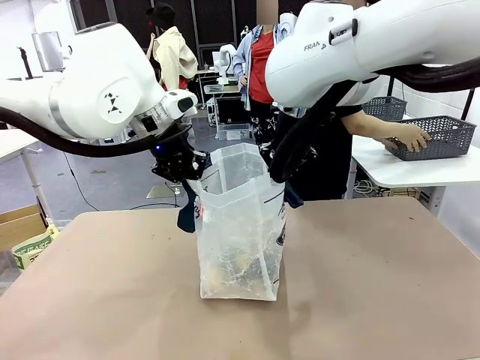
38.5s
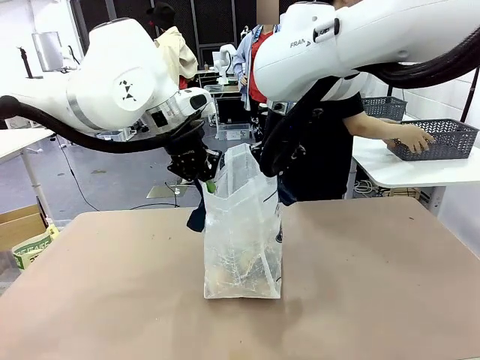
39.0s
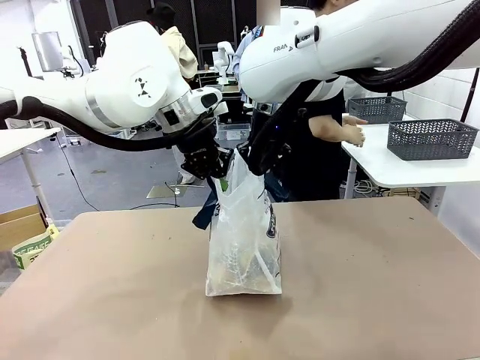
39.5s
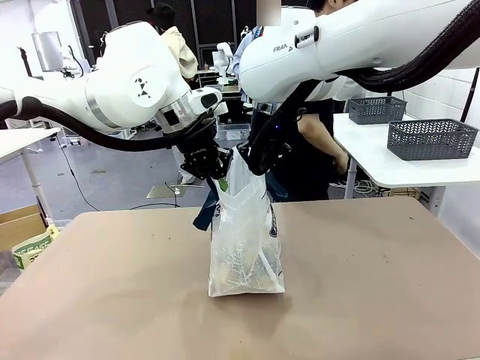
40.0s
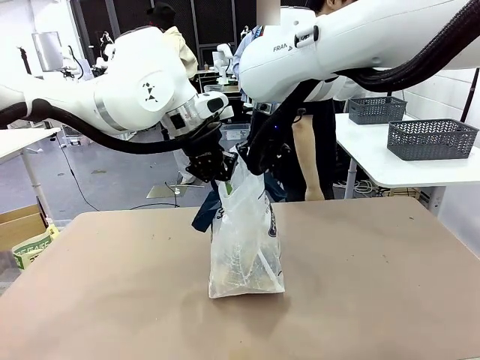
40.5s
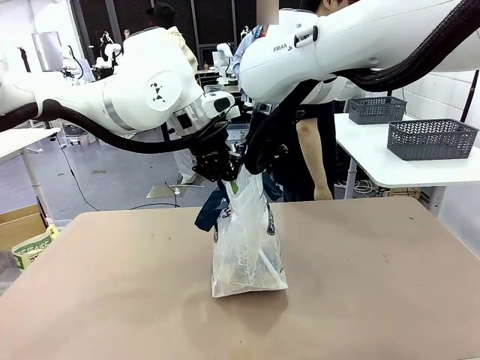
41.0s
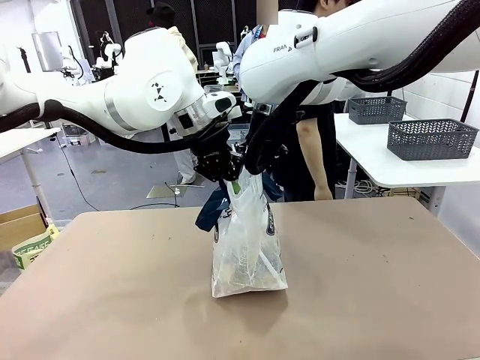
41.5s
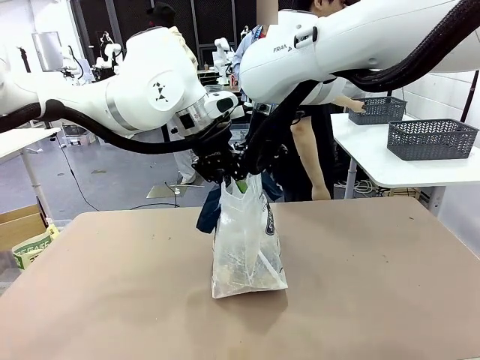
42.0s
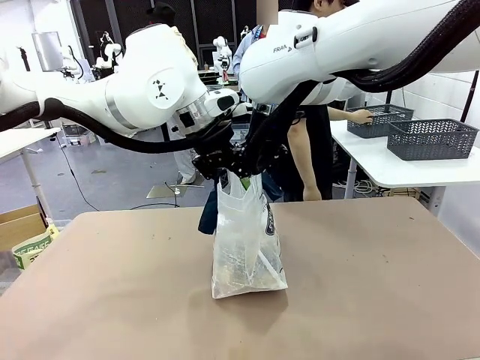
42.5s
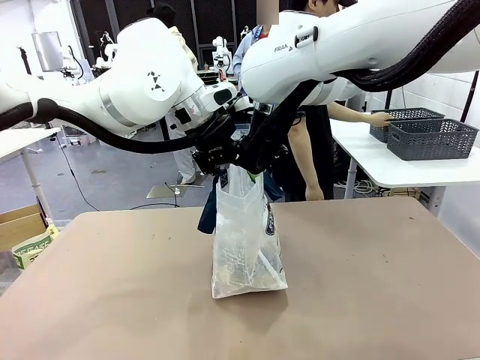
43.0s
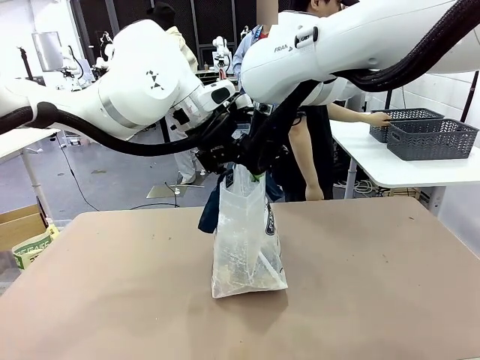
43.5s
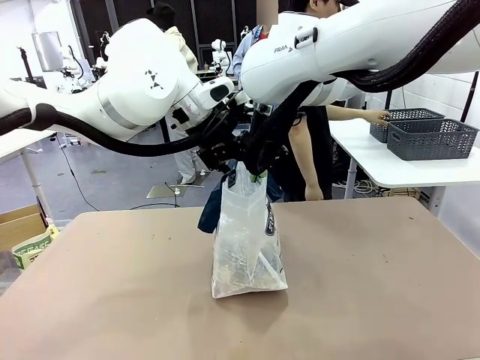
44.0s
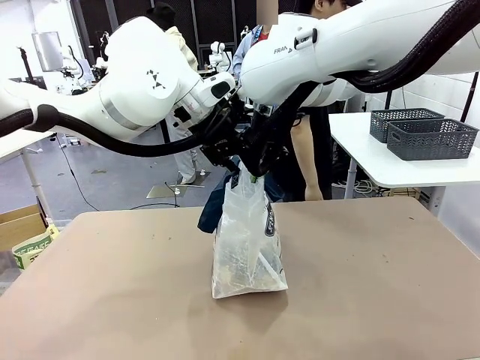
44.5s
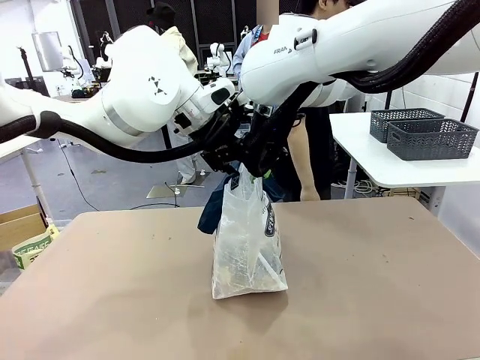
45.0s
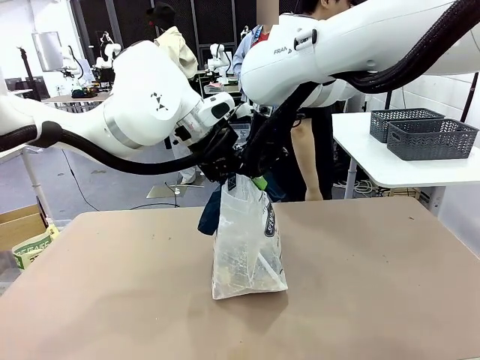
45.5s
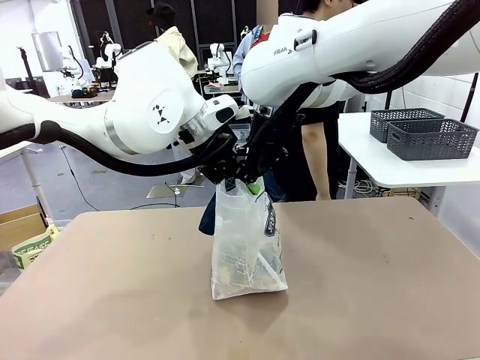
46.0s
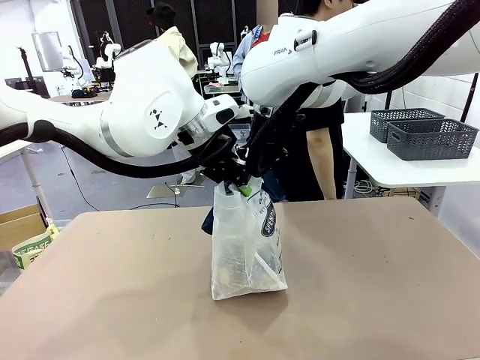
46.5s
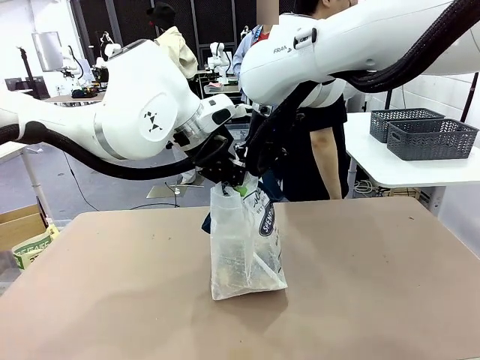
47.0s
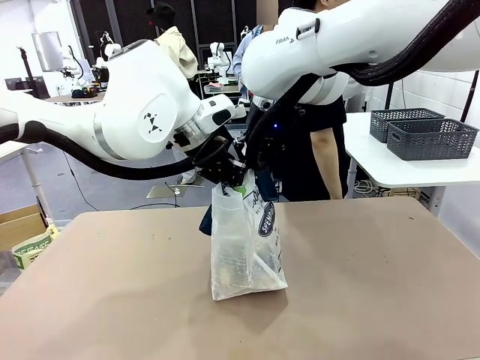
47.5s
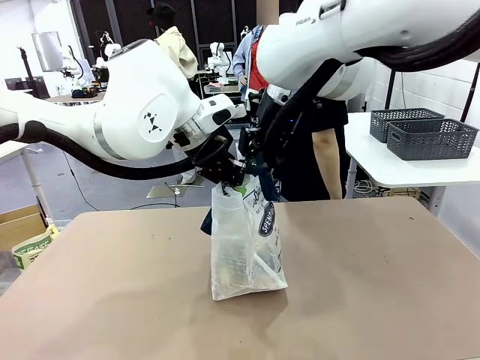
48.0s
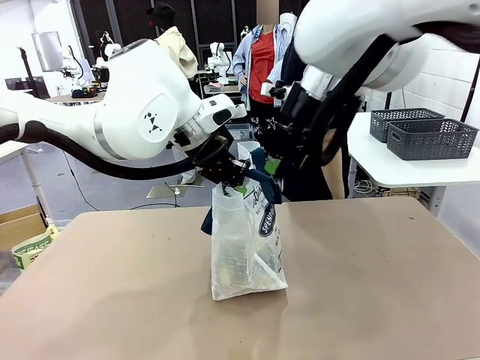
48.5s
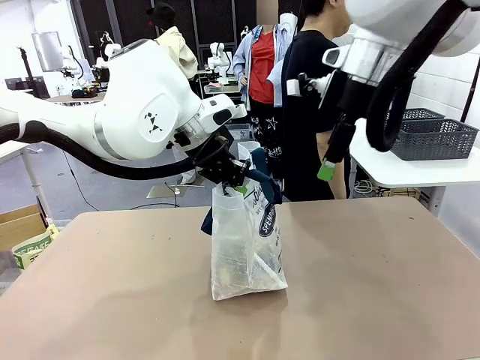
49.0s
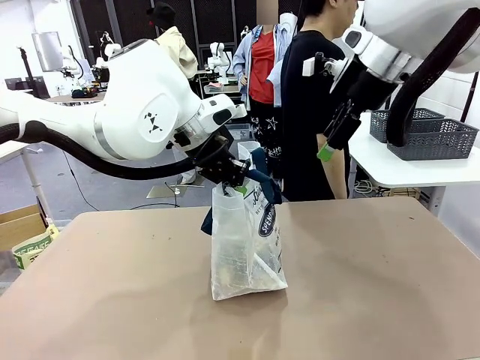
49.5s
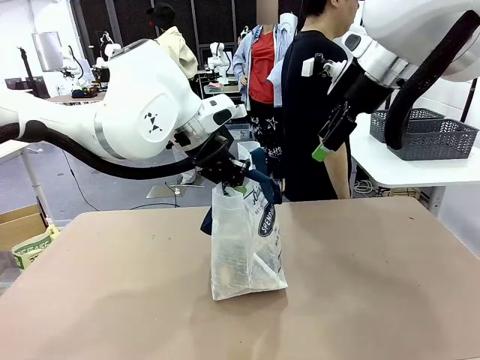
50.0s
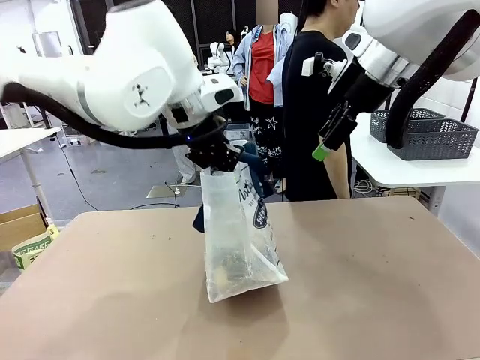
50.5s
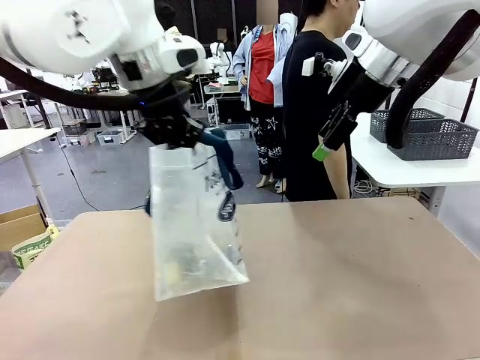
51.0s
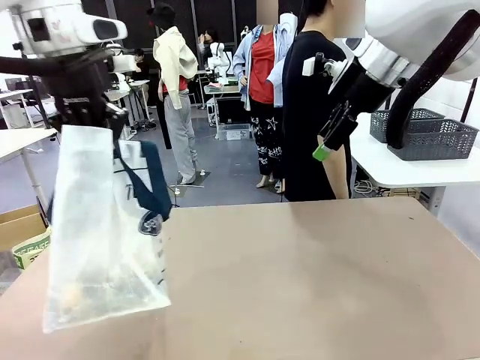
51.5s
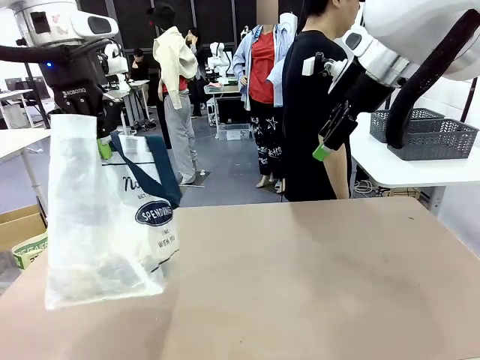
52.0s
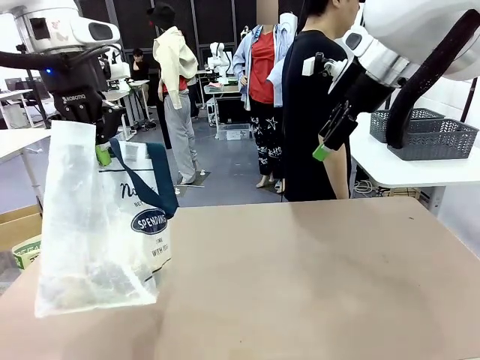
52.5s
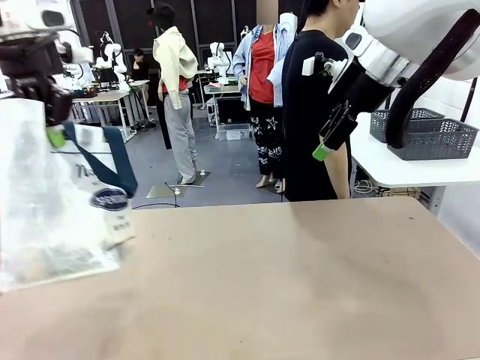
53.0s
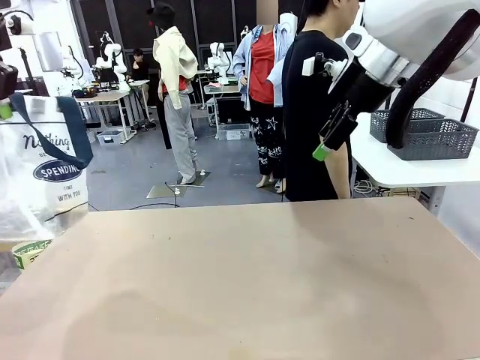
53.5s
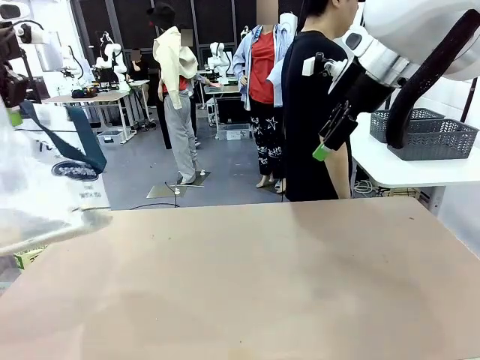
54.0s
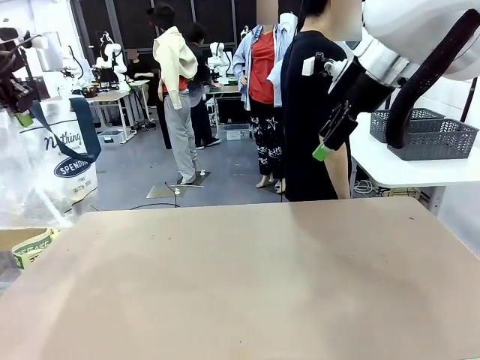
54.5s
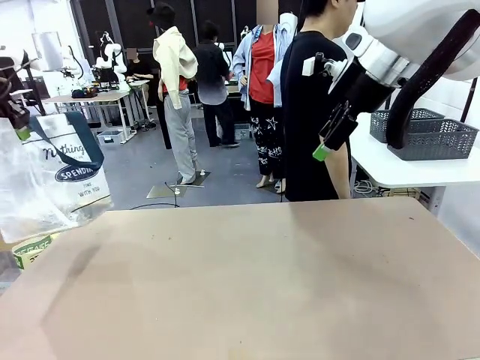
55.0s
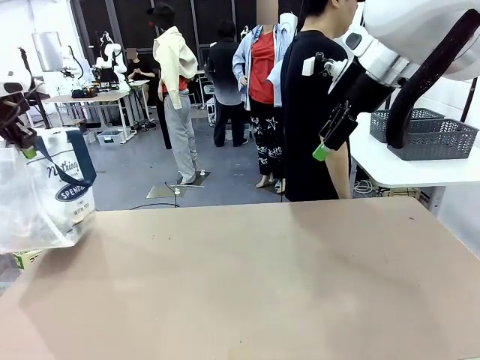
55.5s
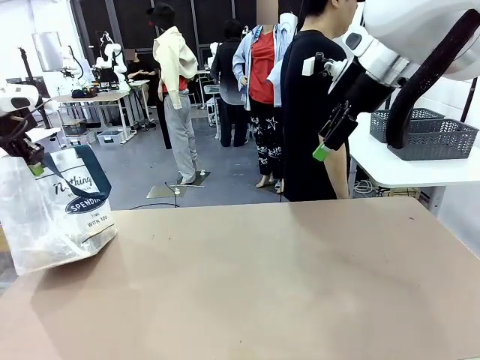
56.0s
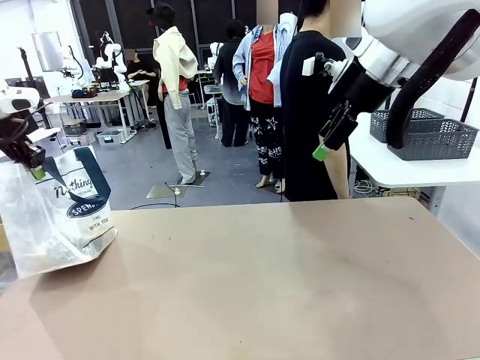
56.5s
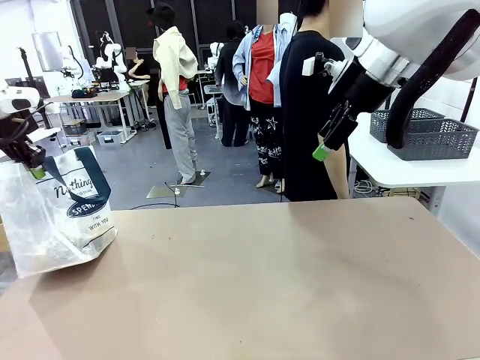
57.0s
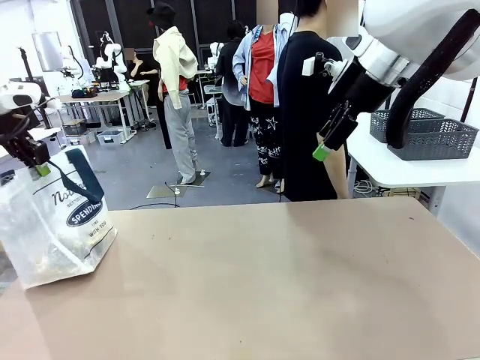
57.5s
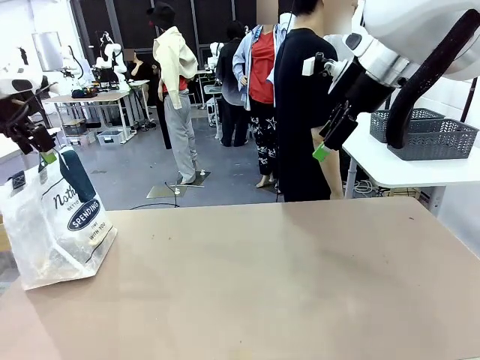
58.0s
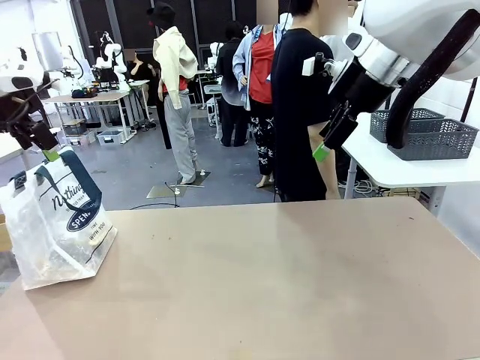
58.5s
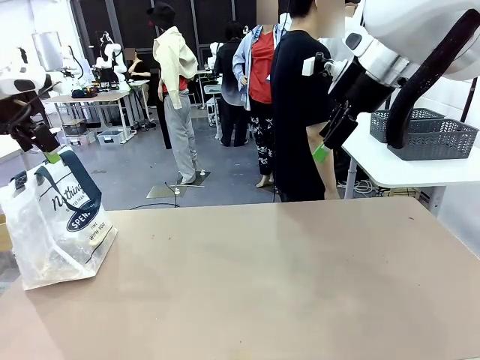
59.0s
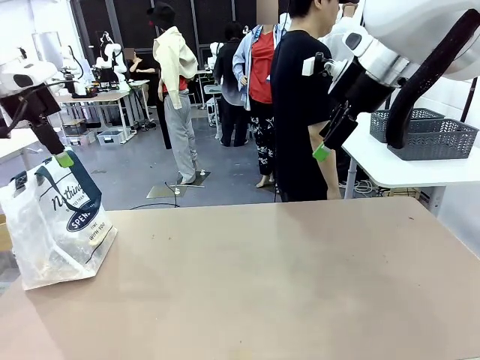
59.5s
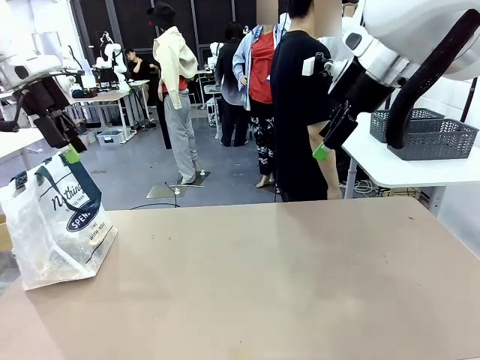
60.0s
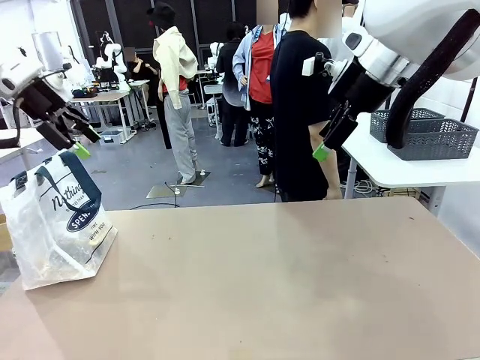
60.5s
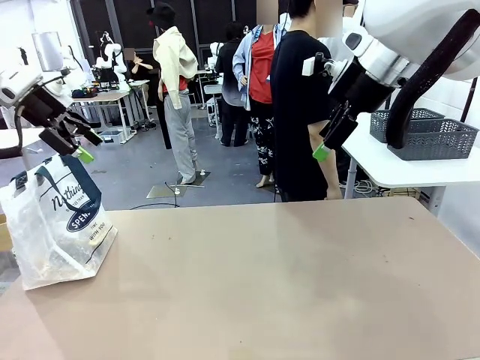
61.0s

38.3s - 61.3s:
Task: Transfer purchased items from the store into the shopping bag.
Robot: Move the Reusable shopping bag to the right side of the table.
Person: Move the basket on the left to the middle of the person's table.

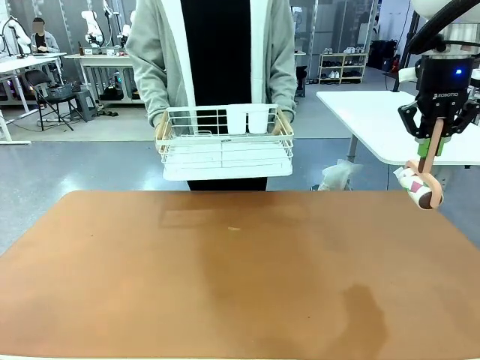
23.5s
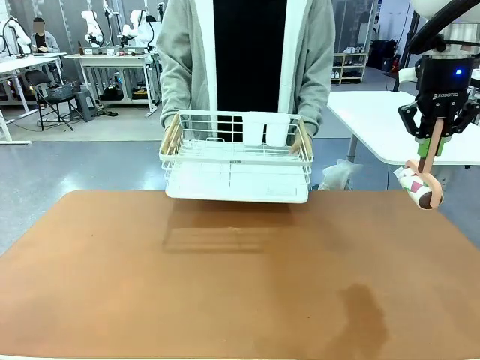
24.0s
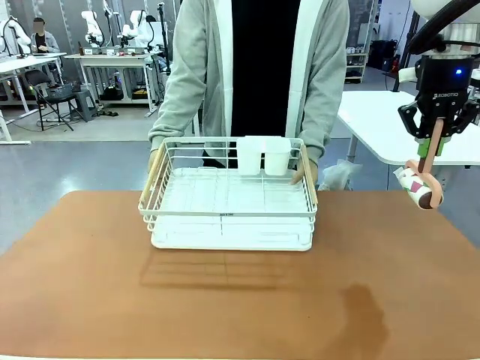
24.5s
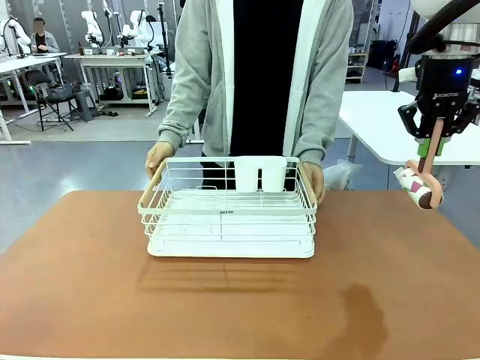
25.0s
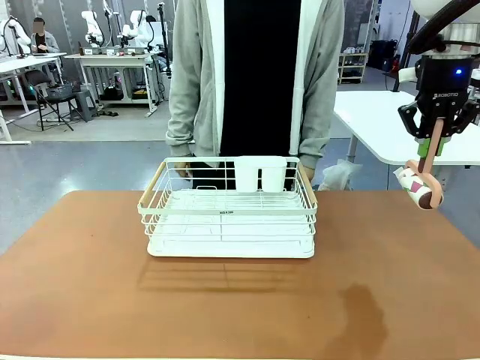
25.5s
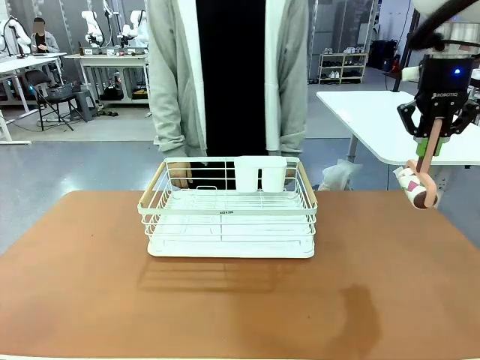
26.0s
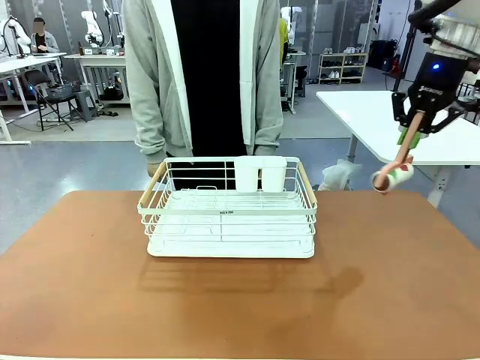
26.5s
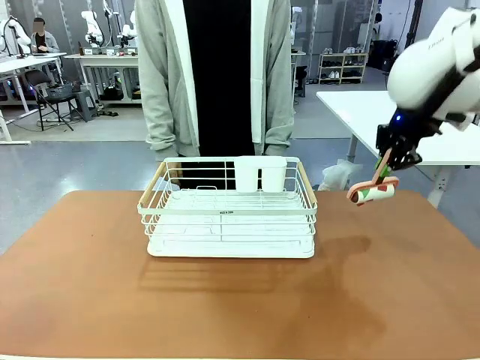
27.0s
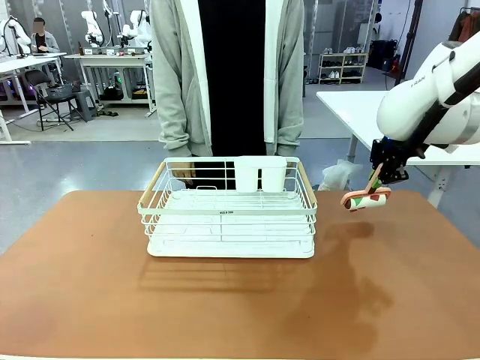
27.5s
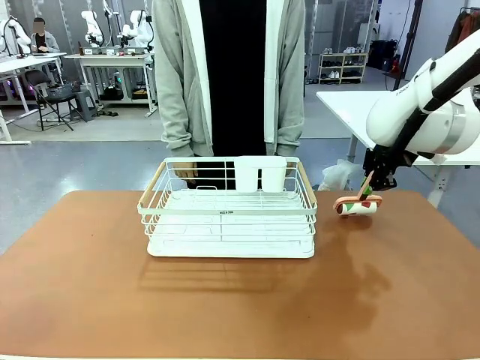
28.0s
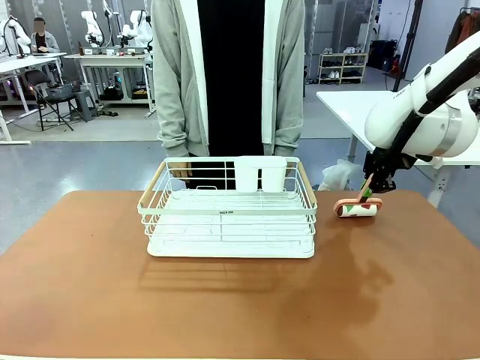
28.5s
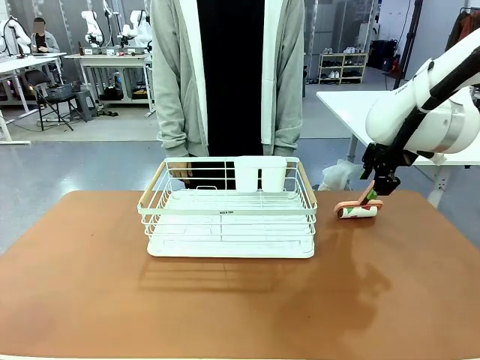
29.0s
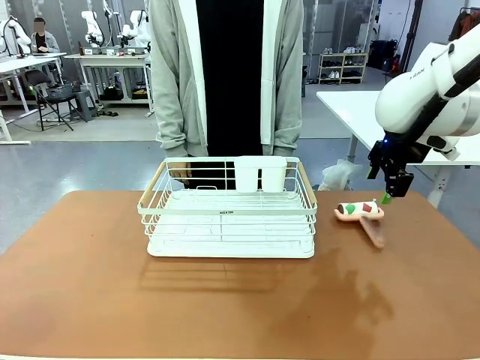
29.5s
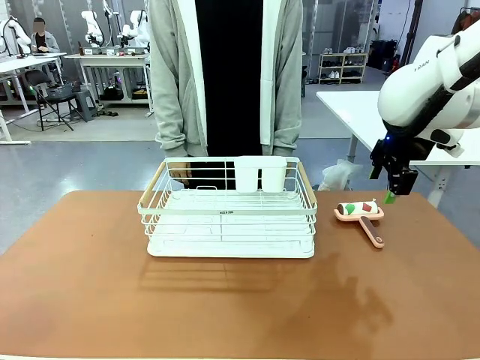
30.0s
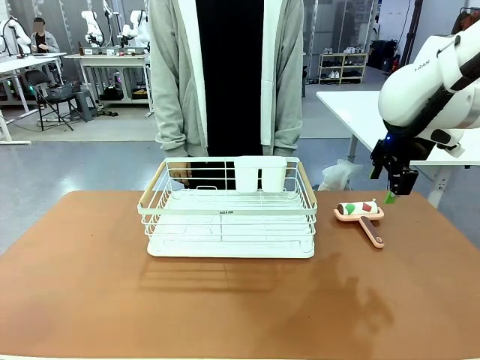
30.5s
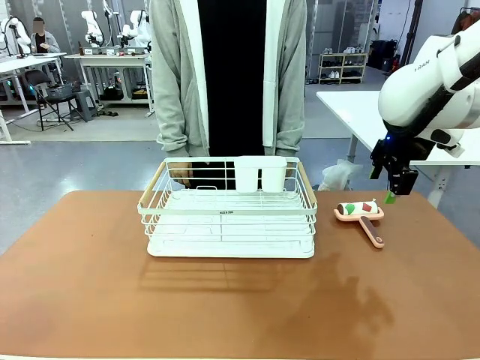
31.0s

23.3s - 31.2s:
Task: Clean the table.
Robot: Place the Lint Roller down when the Dish drying rack is positioned in the middle of the table.
